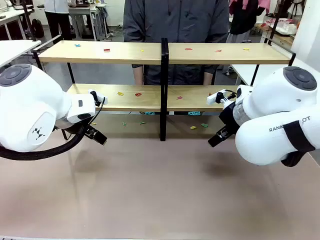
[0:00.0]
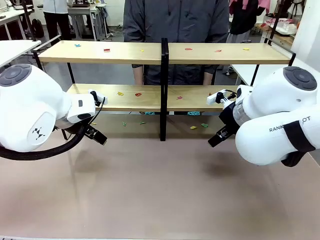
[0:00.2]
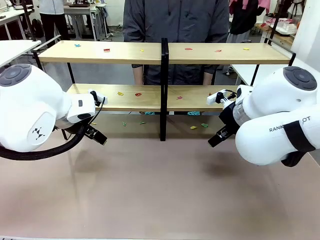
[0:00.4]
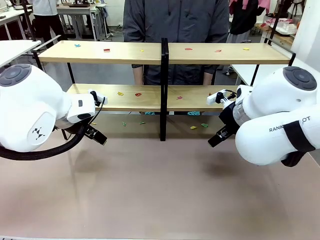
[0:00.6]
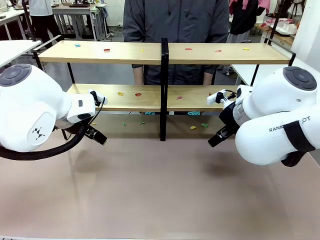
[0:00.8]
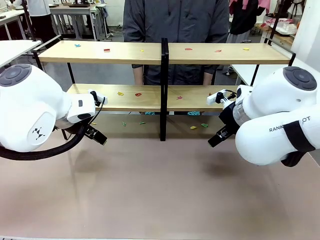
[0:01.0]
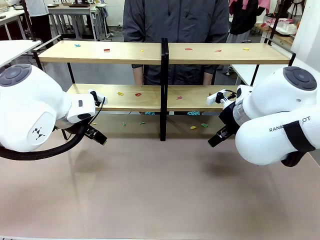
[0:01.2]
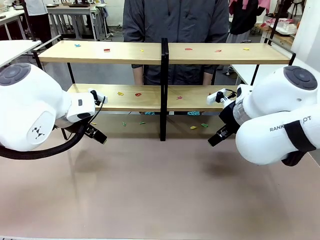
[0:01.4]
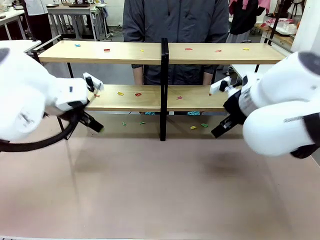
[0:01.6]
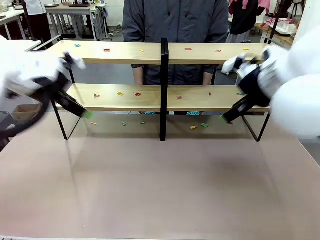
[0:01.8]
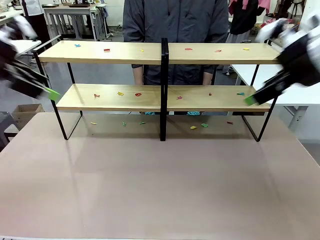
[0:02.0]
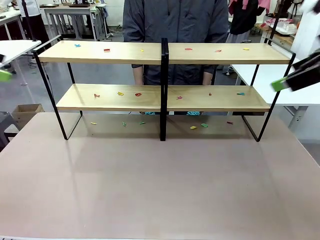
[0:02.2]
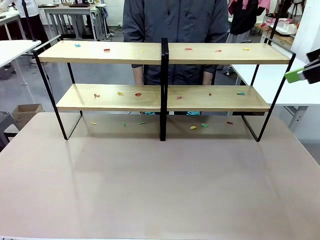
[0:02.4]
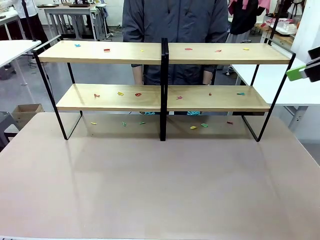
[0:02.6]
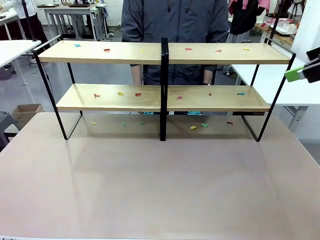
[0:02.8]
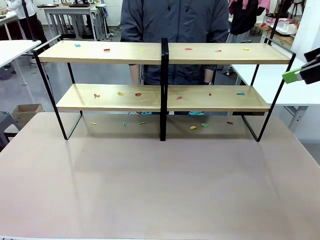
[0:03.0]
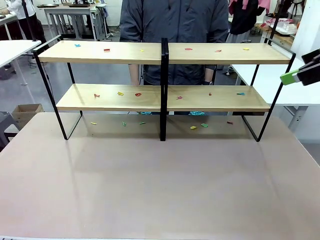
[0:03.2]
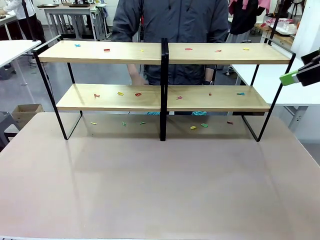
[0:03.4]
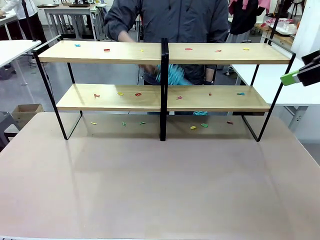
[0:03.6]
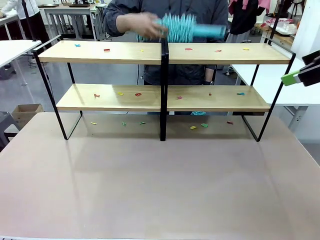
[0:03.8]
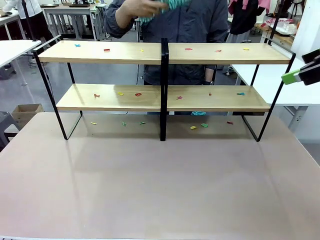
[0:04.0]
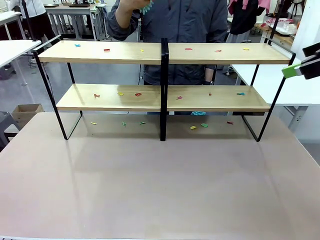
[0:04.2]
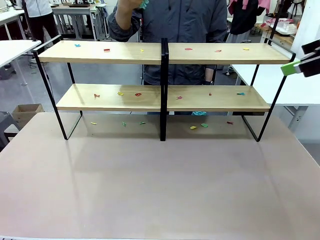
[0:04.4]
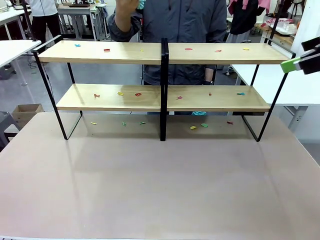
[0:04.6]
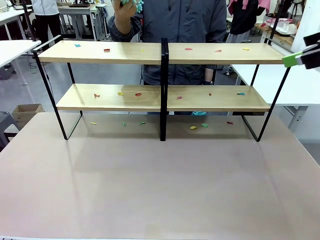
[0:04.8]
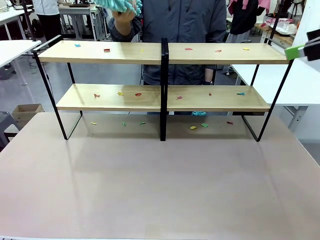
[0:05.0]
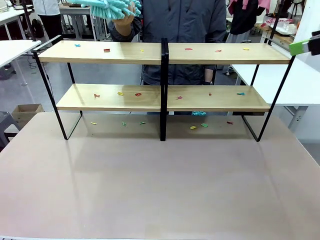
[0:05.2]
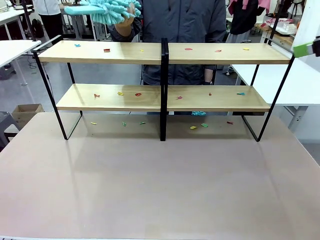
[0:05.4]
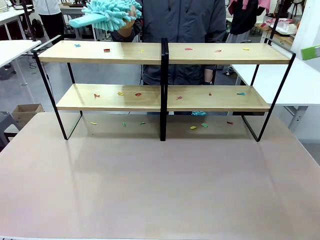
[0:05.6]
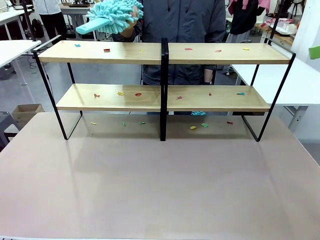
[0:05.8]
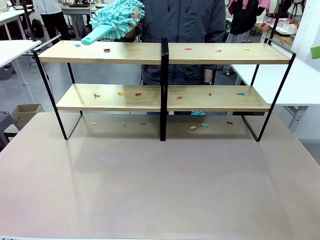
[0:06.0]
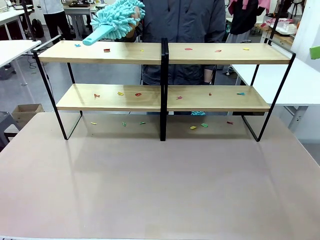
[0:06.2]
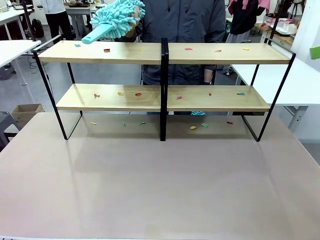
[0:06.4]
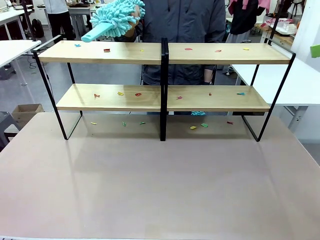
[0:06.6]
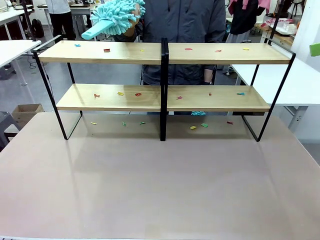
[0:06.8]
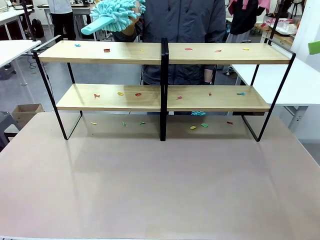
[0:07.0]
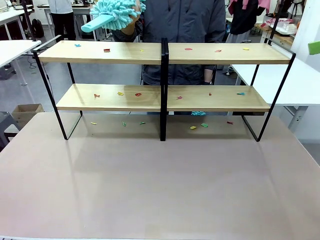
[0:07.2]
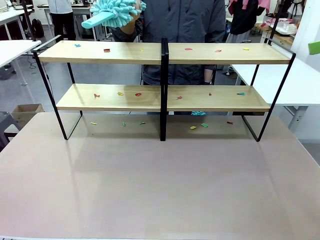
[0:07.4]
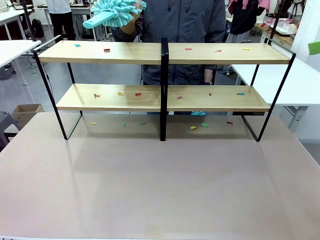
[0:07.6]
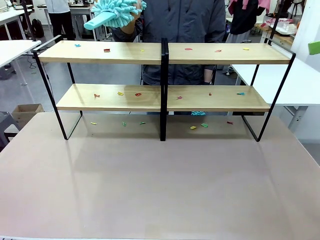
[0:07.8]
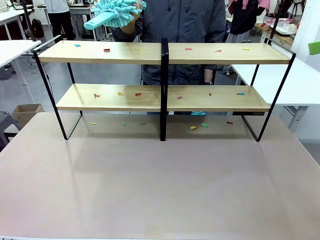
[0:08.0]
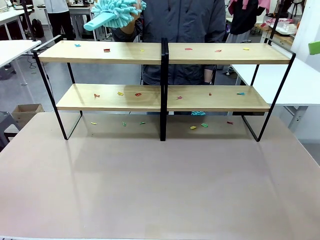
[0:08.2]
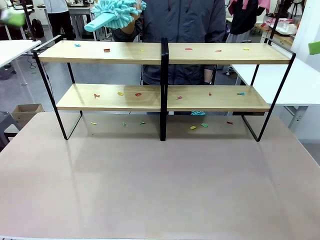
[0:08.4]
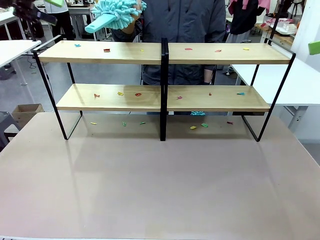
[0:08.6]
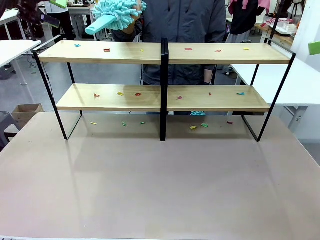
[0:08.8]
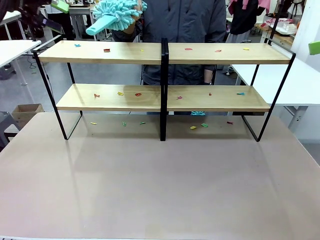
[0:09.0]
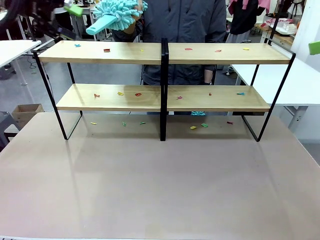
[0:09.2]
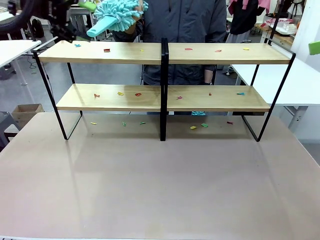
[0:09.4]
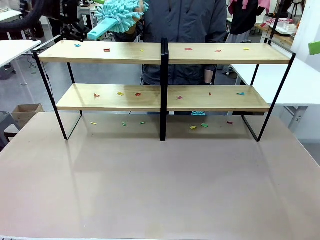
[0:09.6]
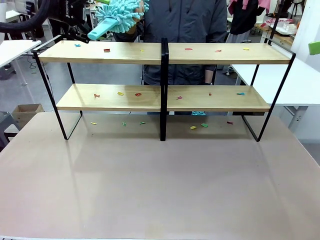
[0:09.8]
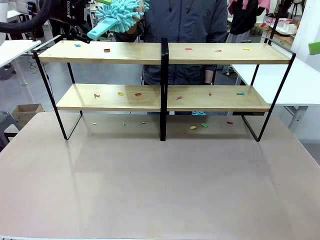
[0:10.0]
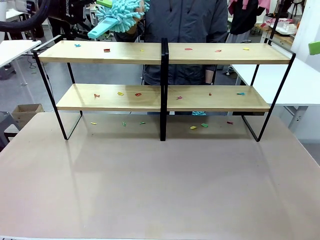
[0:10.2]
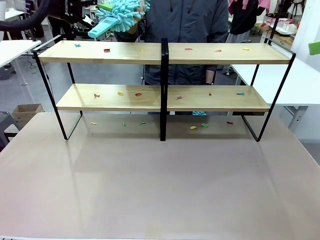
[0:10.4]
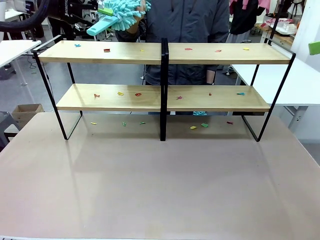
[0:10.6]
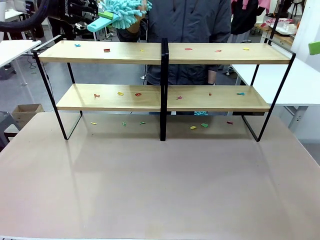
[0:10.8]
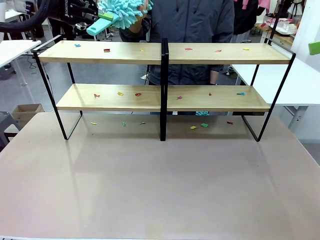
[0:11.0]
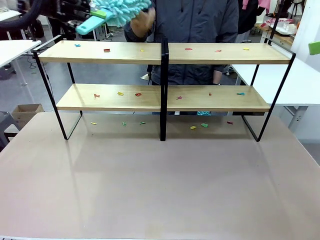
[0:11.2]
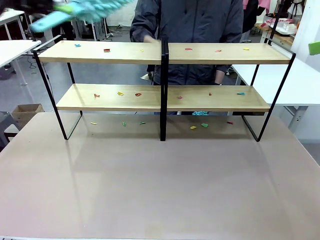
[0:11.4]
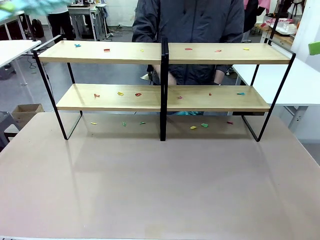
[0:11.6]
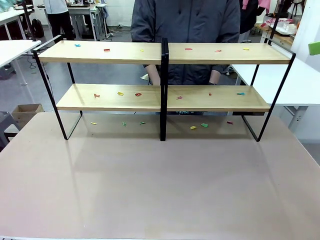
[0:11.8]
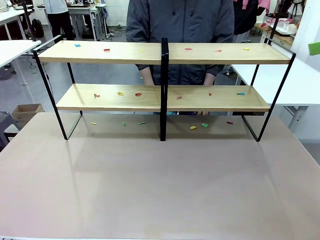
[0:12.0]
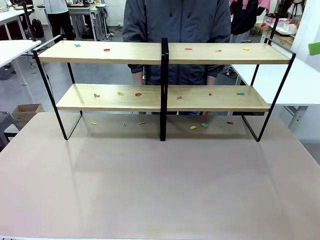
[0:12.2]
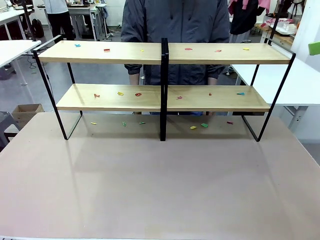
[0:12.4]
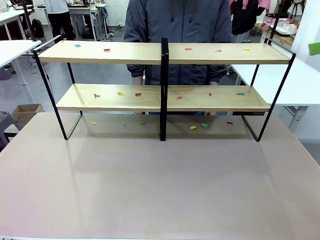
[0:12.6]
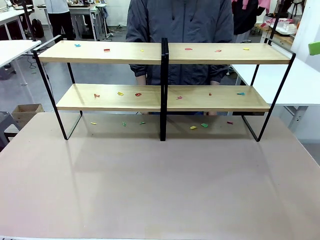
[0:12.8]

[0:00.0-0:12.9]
Task: Clean the shelves.
Robot: Pick up the Duster when the human hands it over.
Person: Hand the Duster to the robot with your right (or left) hand.

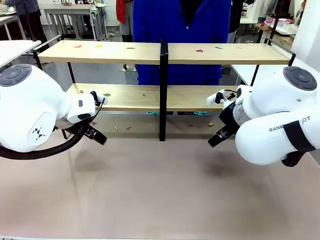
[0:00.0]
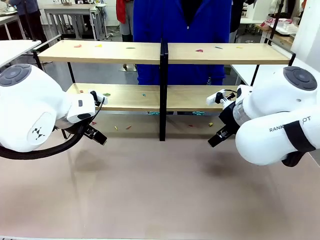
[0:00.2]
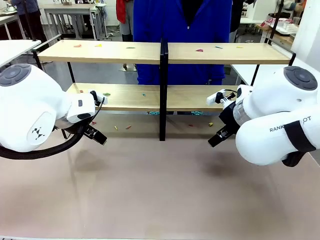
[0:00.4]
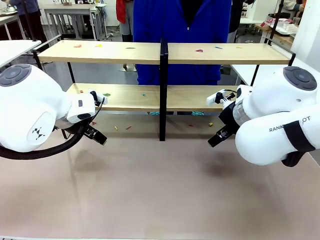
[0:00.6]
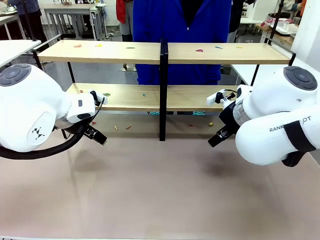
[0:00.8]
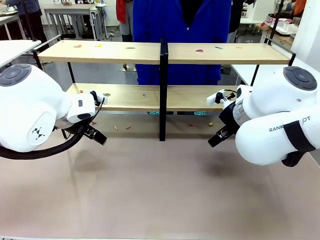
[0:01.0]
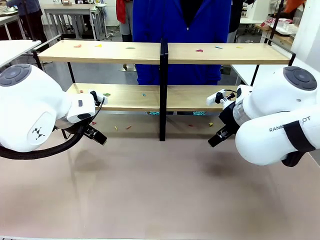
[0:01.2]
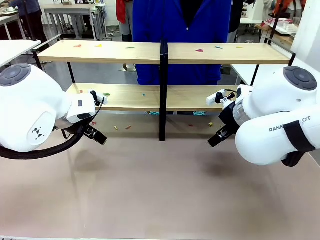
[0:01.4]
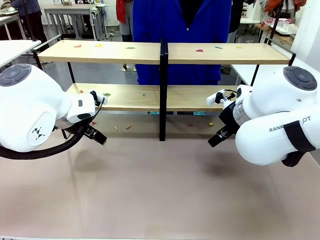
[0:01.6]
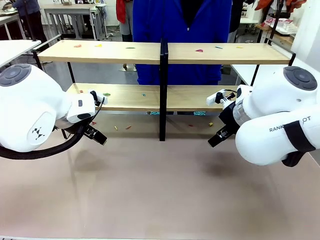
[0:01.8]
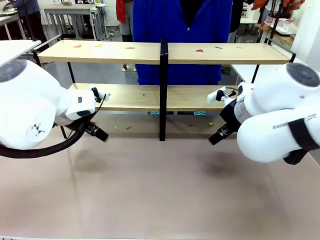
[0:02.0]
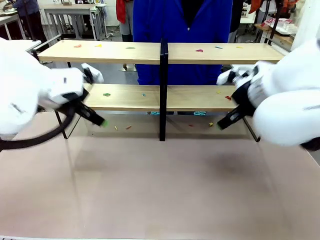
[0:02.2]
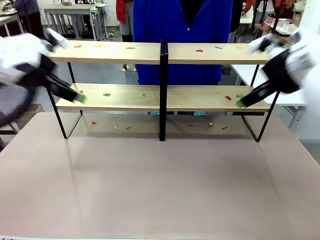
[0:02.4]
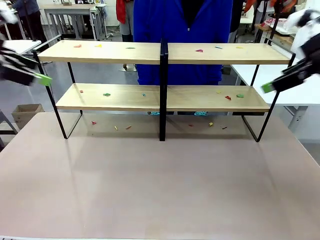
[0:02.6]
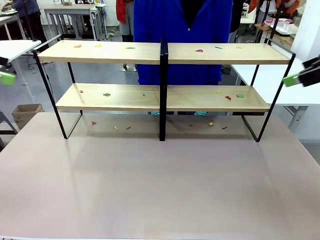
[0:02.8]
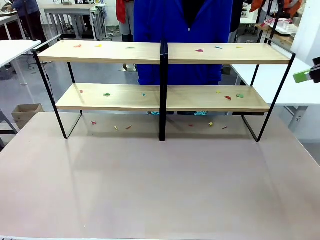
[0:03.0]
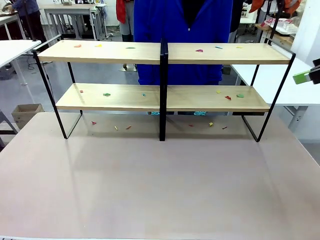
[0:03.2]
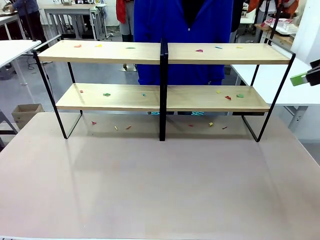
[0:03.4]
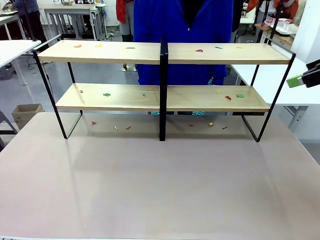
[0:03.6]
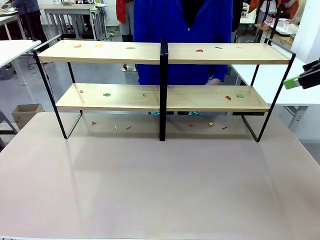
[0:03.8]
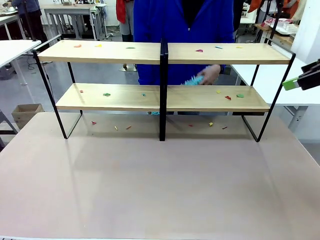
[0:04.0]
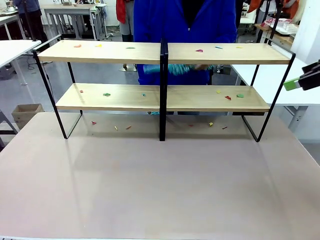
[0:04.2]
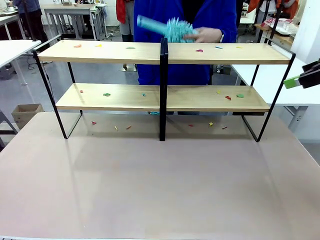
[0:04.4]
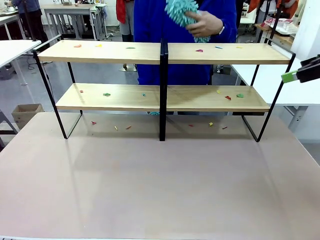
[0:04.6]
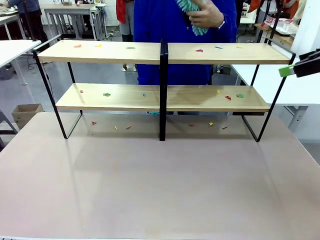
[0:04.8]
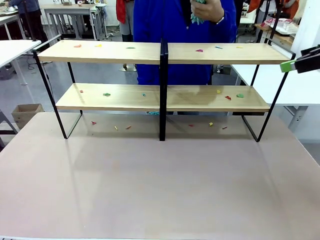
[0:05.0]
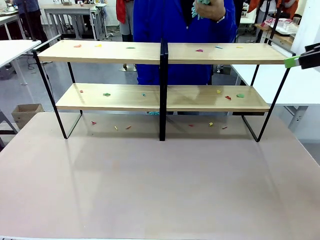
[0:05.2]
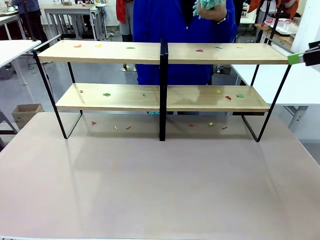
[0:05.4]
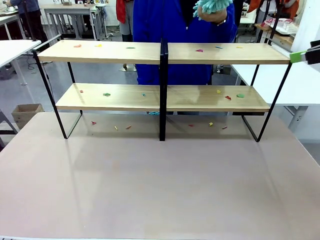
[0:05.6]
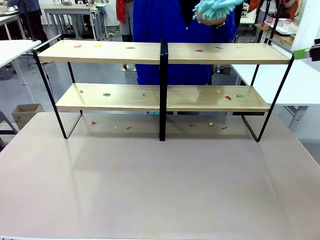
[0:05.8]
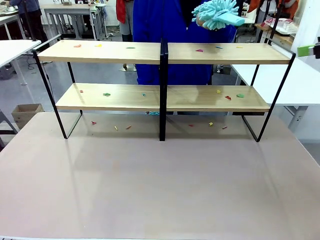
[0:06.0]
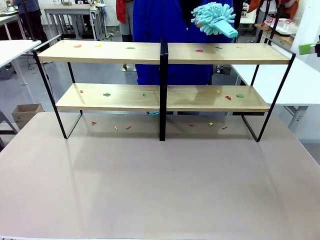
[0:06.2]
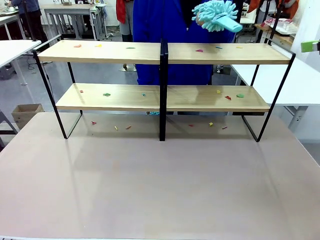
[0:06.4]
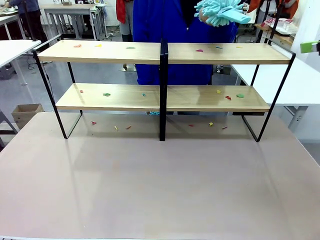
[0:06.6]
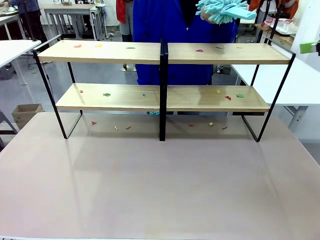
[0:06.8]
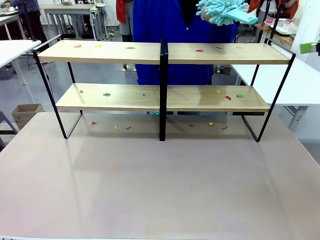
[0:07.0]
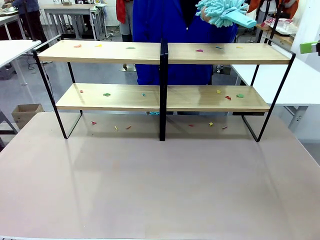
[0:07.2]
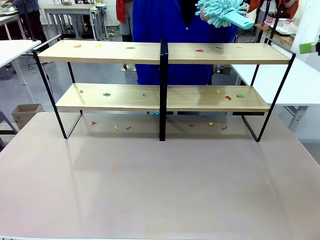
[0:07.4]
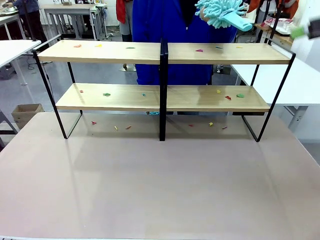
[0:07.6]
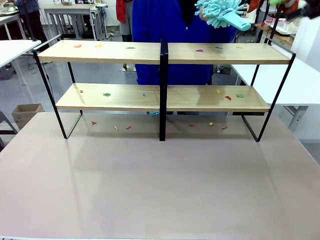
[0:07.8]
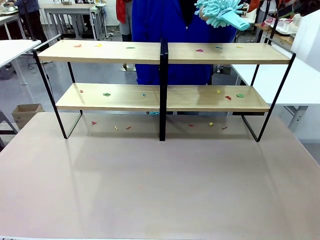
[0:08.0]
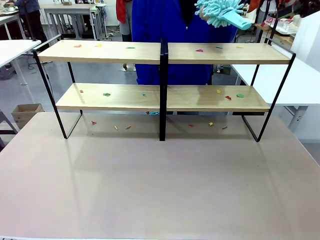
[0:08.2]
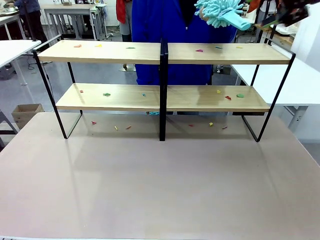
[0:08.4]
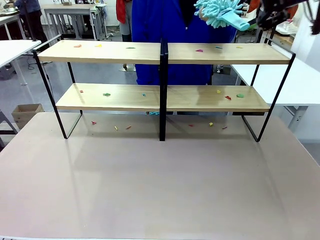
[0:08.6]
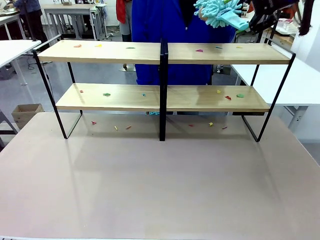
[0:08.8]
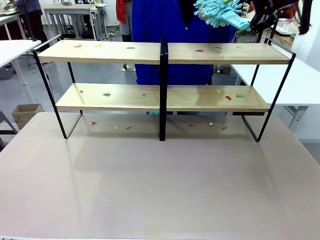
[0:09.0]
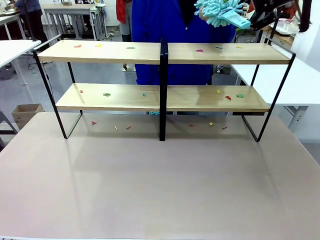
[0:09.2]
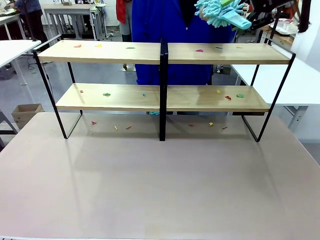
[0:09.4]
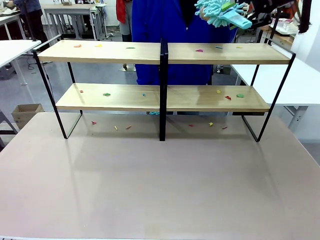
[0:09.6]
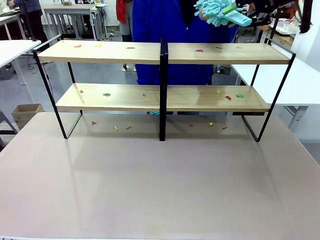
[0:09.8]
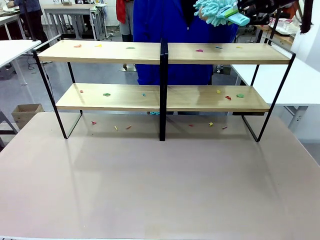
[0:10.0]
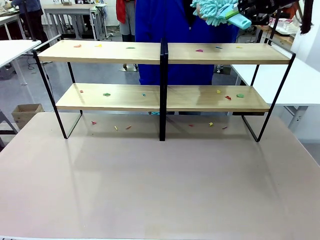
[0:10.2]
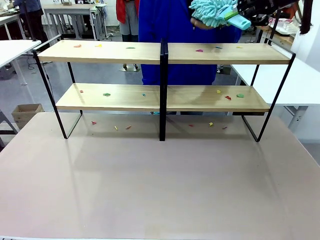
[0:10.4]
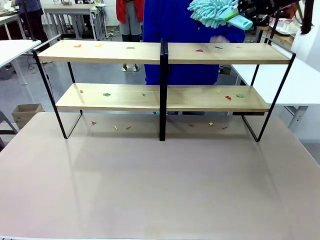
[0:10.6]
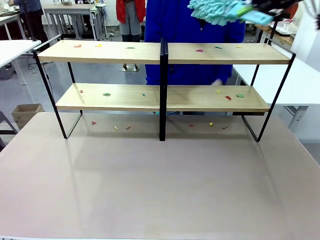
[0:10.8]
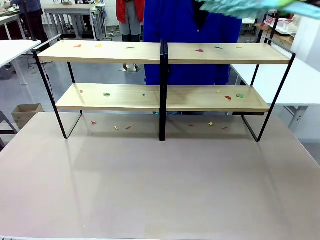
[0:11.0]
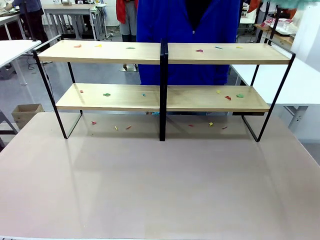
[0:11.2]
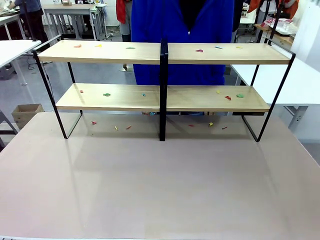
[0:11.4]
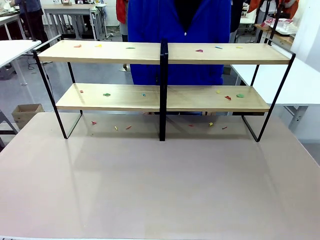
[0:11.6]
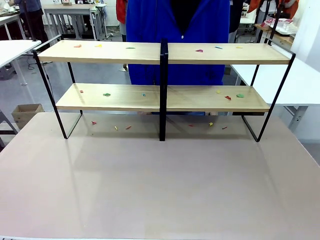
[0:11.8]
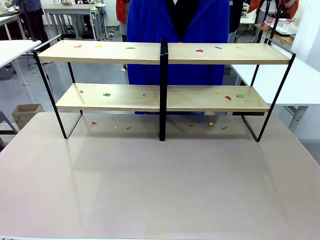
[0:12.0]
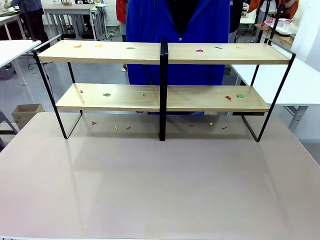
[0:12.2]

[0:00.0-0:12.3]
Task: Clean the shelves.
Robot: Pick up the Duster when the human hands it over.
Person: Hand the Duster to the robot with your right (or left) hand.
